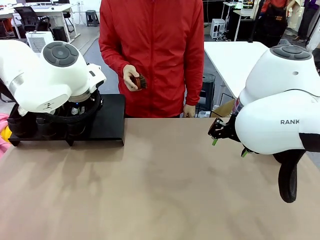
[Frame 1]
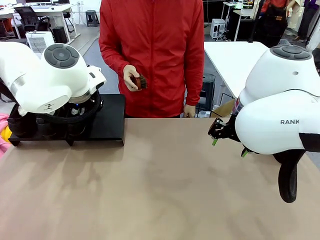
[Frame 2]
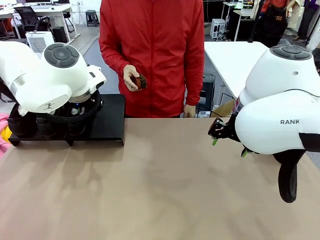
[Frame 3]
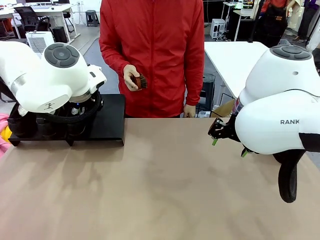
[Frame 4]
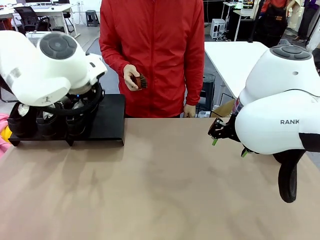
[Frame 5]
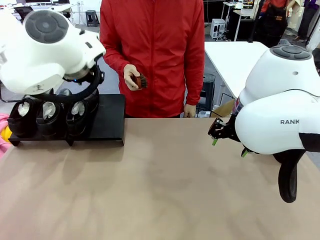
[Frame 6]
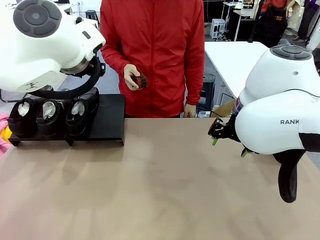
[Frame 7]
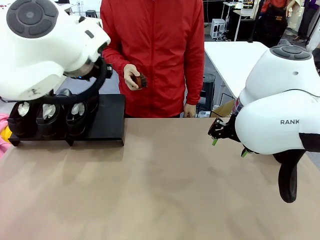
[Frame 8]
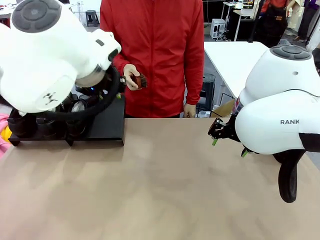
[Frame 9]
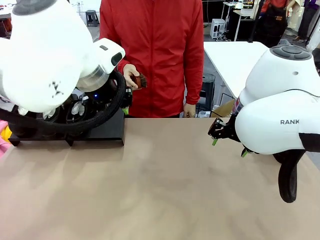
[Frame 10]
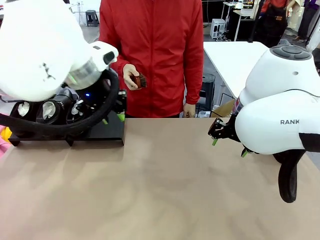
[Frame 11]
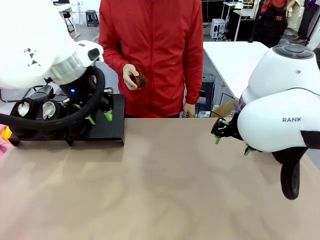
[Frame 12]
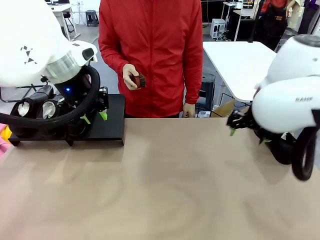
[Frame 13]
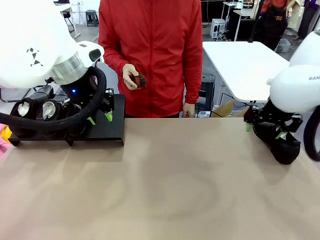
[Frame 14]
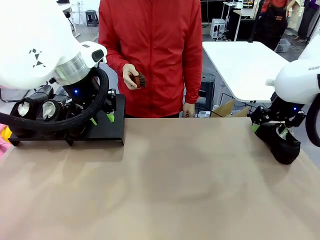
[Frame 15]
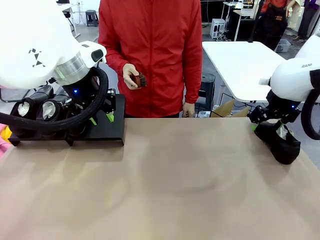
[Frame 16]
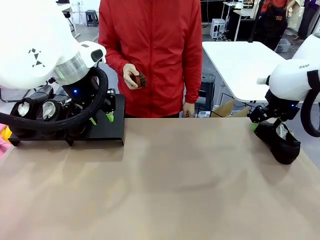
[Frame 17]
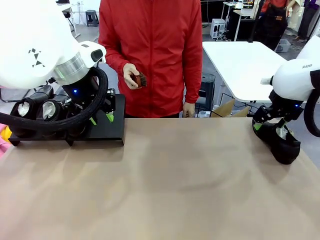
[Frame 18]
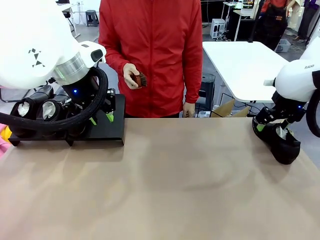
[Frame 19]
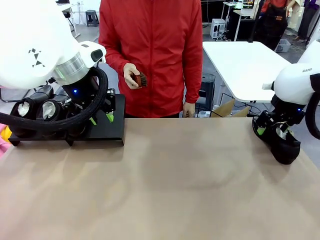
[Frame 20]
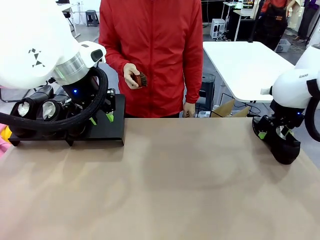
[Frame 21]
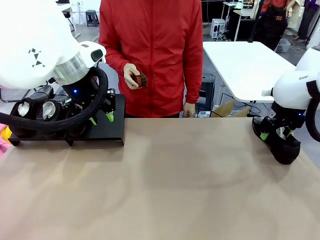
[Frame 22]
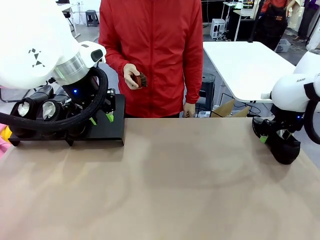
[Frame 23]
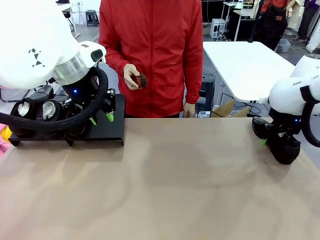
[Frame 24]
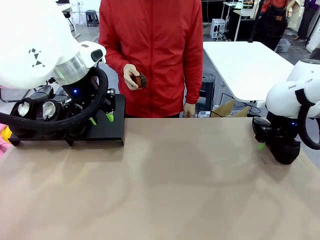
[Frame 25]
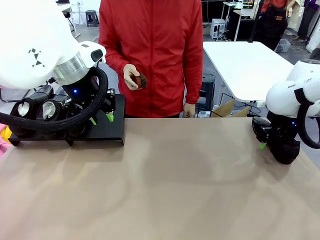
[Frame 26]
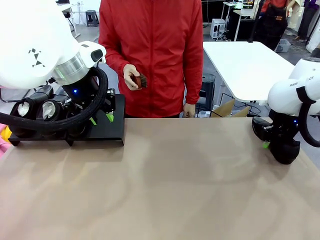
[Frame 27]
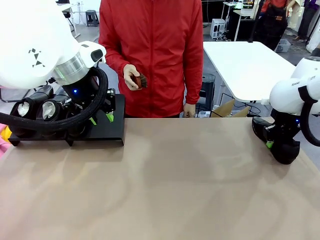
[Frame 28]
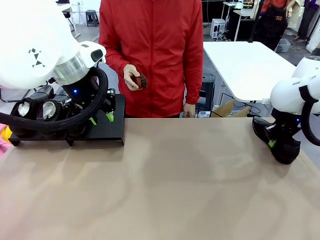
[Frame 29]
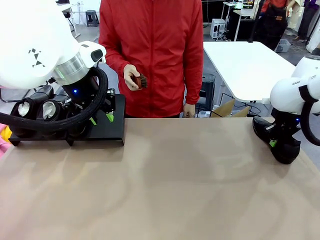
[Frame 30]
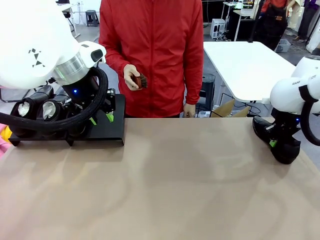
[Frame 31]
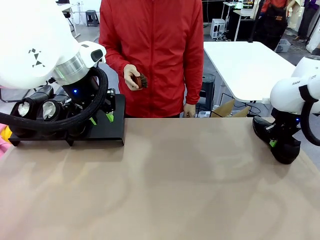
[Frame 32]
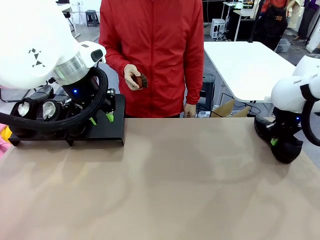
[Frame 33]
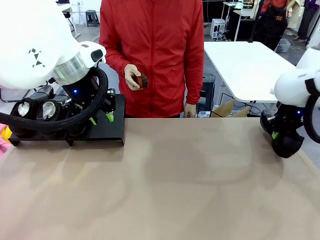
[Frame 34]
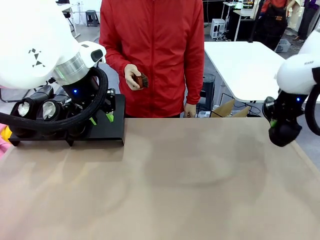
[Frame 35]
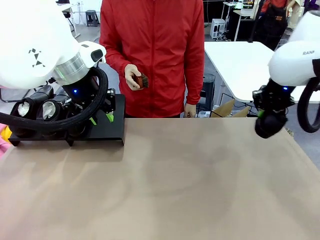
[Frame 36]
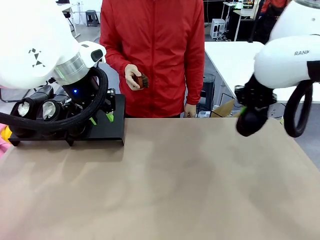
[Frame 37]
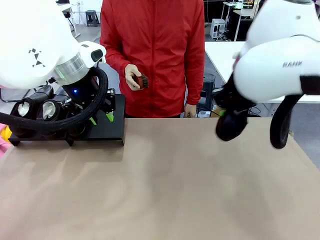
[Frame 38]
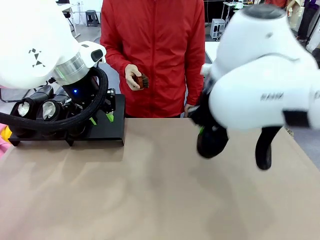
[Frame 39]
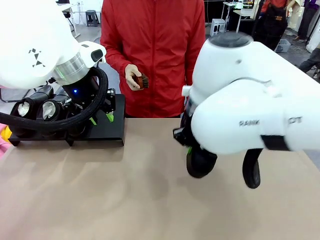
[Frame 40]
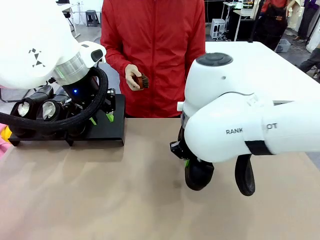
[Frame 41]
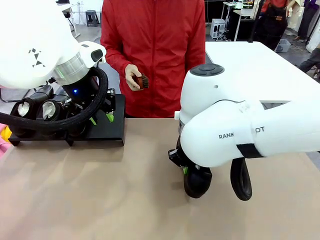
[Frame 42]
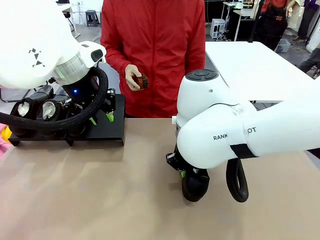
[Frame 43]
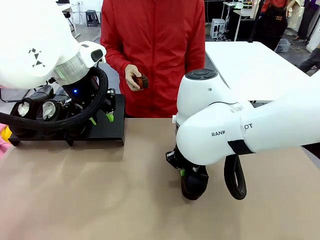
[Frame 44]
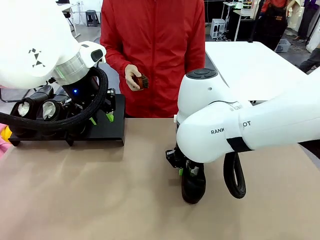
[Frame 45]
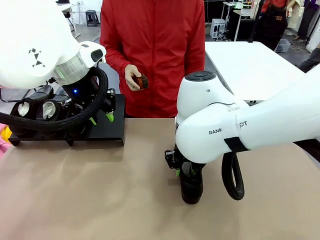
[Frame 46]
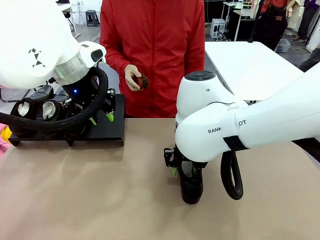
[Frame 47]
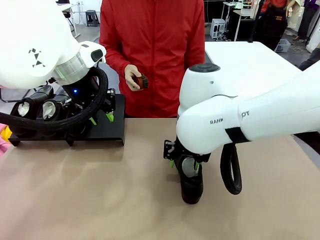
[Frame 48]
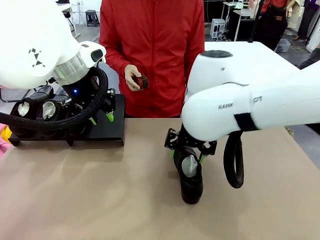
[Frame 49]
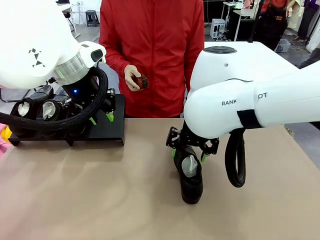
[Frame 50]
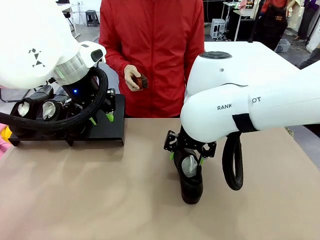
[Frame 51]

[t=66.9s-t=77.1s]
Task: Organize the shoes by placing them on the stand.
Robot: Pick up one Shoe and place it in the middle of the table.

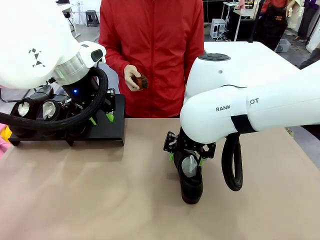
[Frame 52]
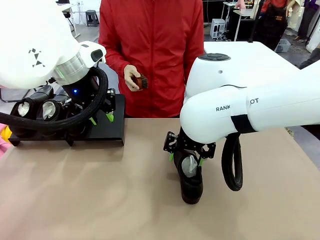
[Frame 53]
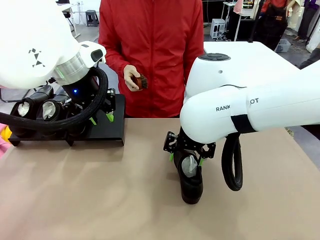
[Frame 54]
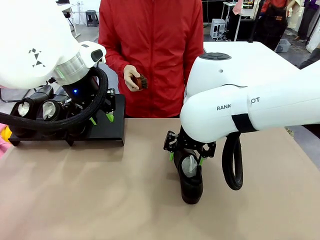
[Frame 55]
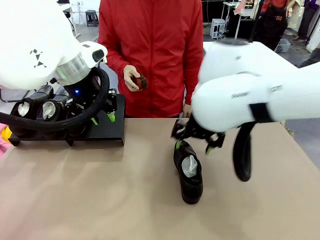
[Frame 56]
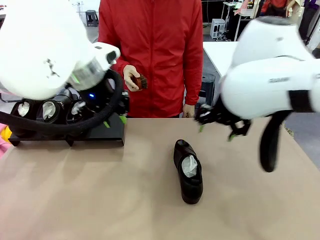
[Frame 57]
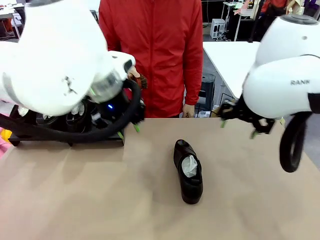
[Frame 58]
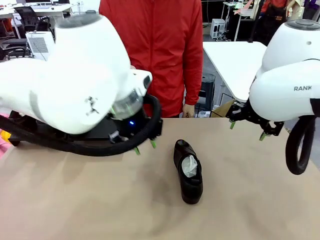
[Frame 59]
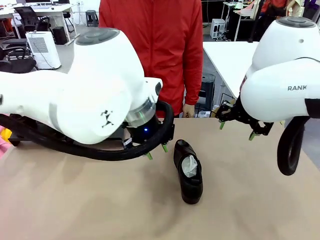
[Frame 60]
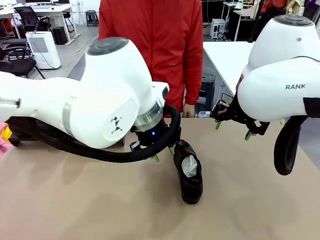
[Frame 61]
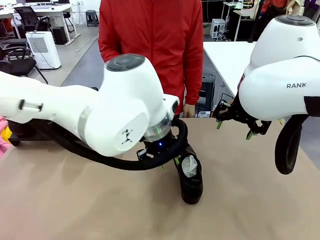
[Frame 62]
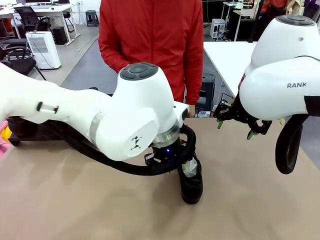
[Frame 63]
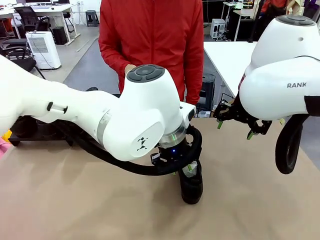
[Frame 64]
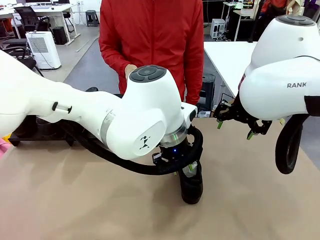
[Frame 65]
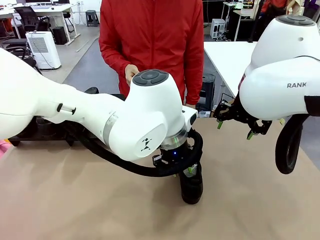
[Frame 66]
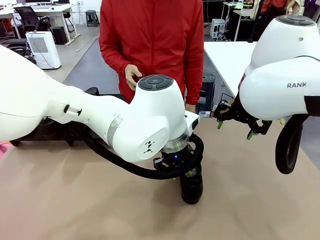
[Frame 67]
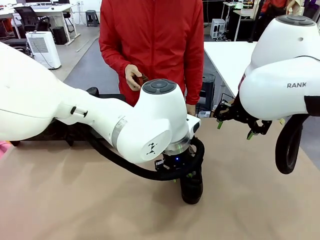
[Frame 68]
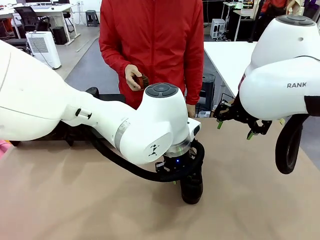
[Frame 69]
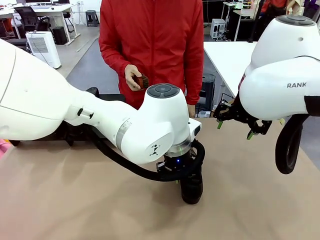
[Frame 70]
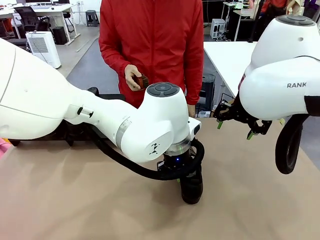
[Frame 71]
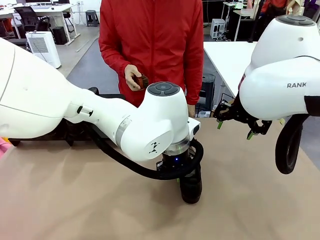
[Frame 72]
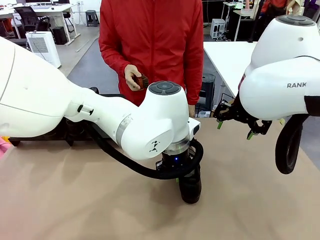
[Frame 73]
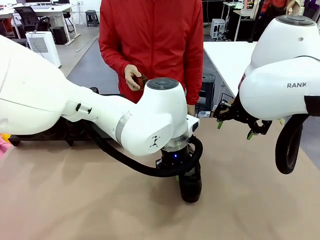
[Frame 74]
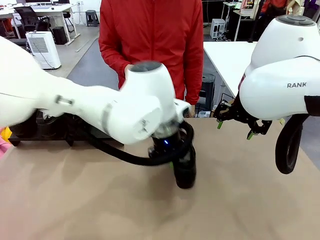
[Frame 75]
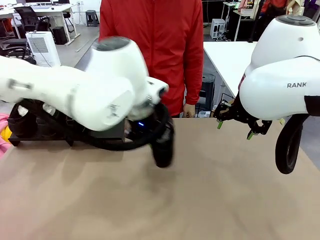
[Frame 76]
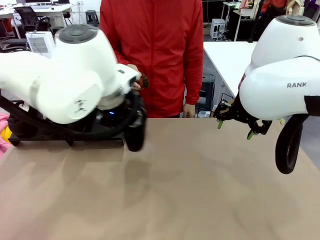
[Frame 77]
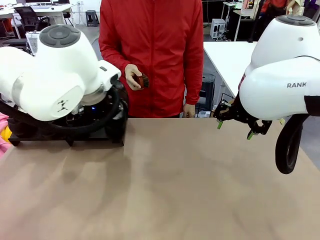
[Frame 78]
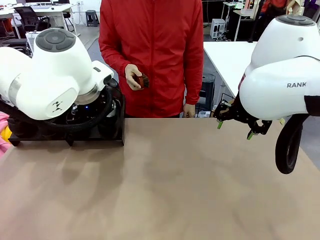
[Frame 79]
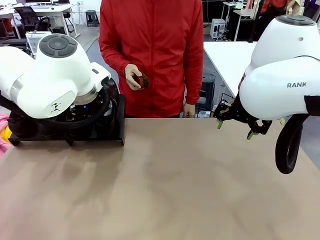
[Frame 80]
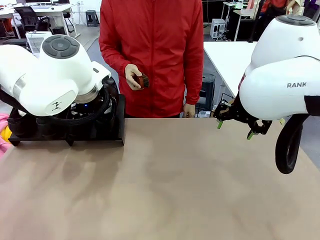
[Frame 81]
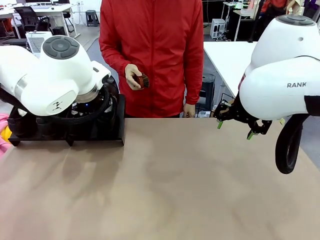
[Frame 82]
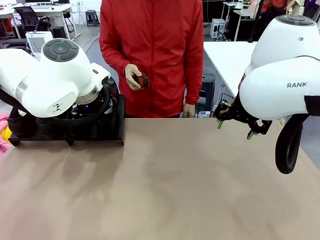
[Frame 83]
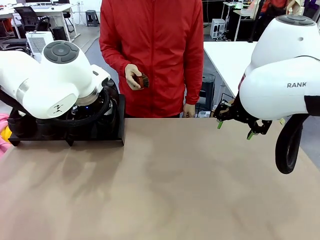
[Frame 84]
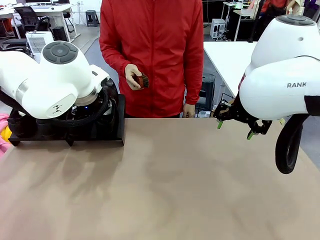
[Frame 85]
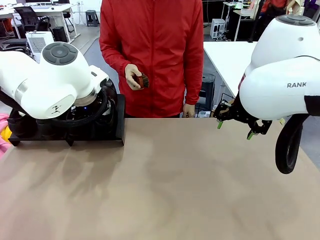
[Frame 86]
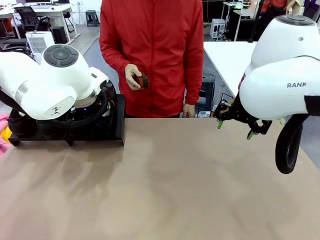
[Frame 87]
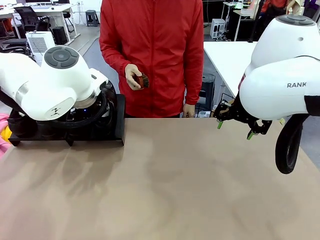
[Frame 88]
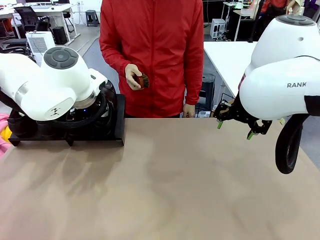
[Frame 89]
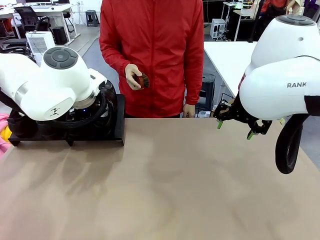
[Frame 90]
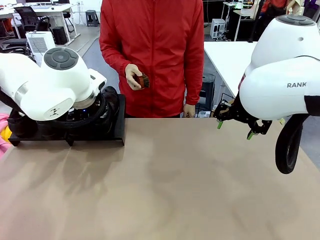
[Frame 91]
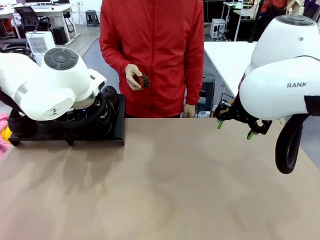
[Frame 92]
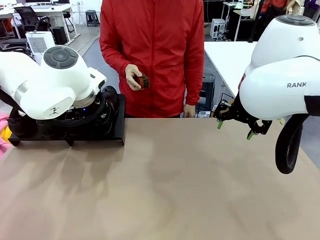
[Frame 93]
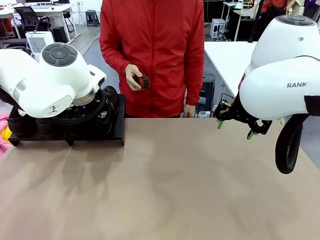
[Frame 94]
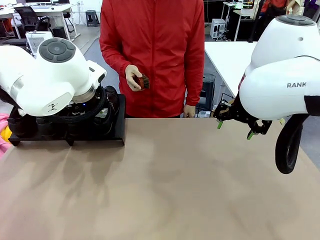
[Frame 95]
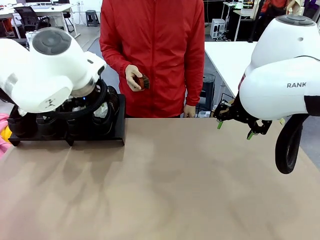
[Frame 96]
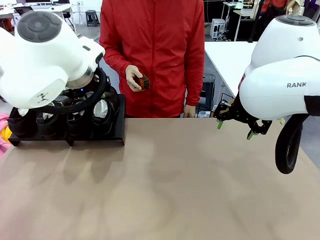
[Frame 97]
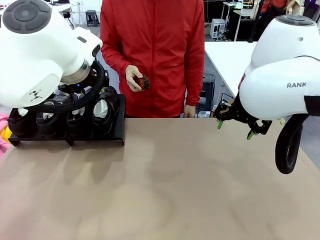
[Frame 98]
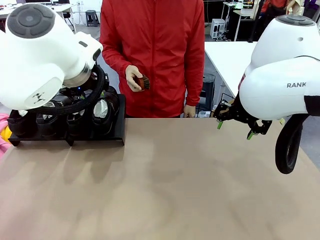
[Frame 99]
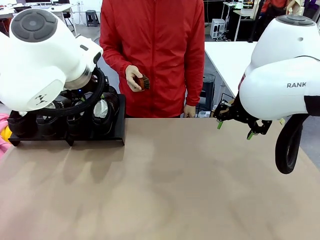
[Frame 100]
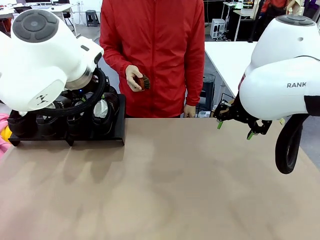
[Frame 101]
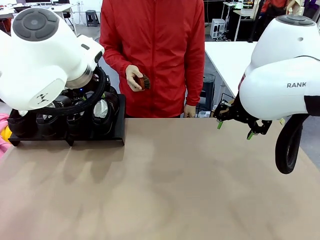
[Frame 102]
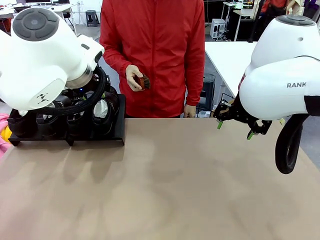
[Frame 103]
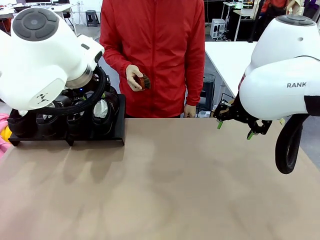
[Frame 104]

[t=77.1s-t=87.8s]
Robot: Place the Shoe from the middle of the table onto the Shoes Stand.
